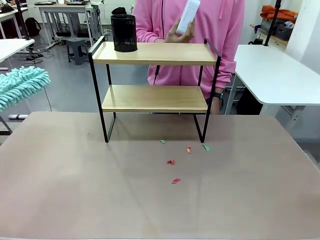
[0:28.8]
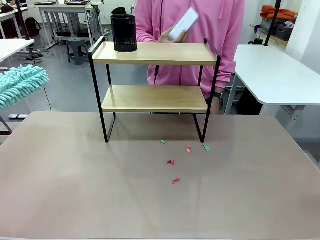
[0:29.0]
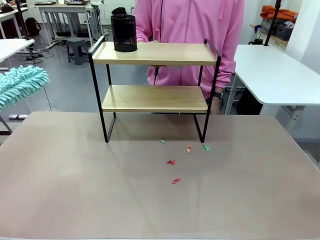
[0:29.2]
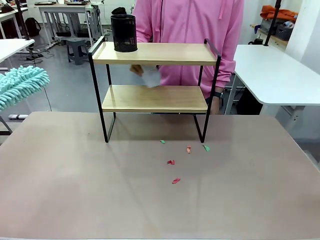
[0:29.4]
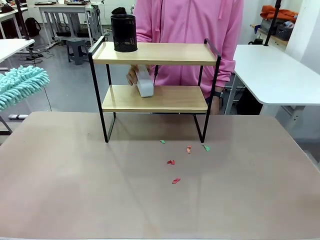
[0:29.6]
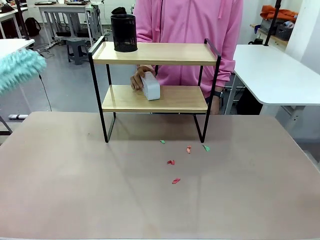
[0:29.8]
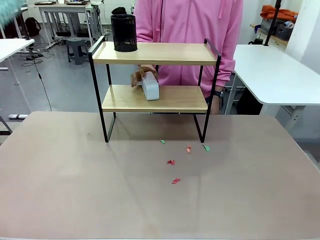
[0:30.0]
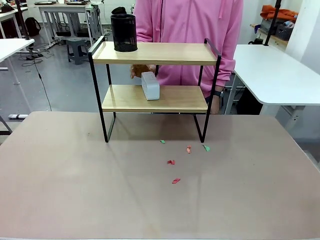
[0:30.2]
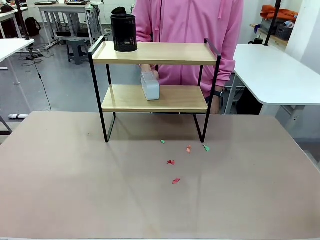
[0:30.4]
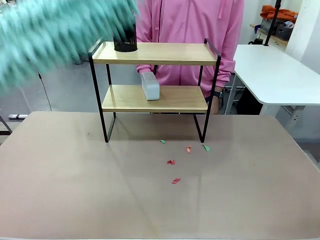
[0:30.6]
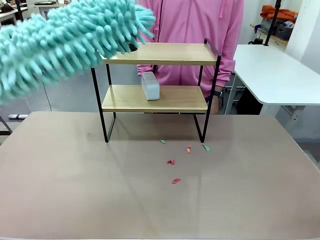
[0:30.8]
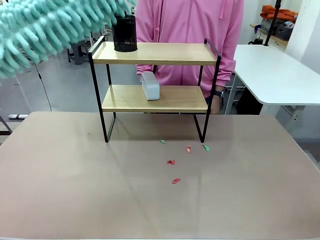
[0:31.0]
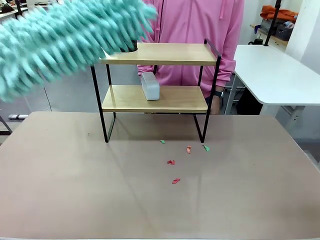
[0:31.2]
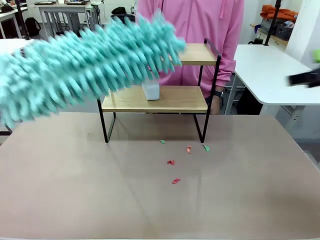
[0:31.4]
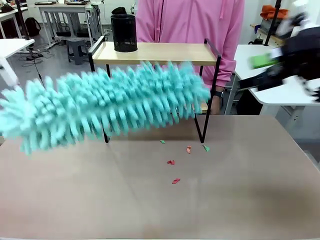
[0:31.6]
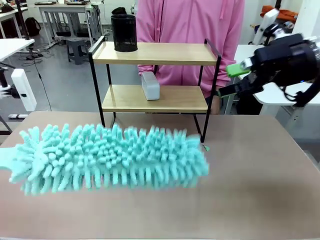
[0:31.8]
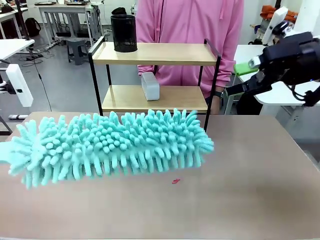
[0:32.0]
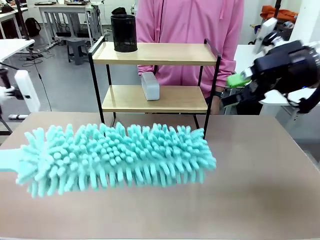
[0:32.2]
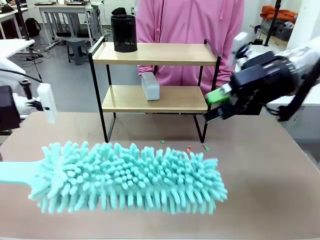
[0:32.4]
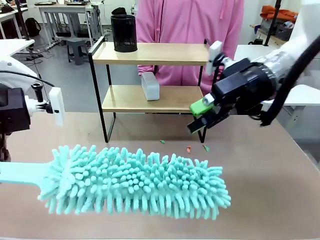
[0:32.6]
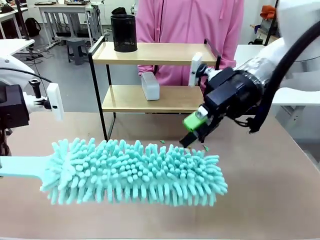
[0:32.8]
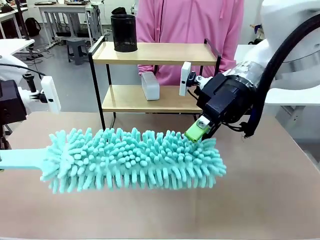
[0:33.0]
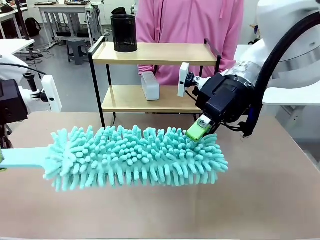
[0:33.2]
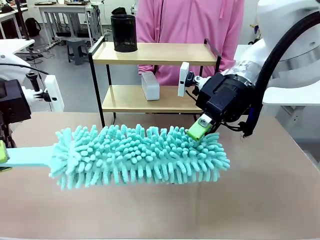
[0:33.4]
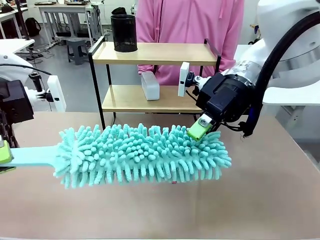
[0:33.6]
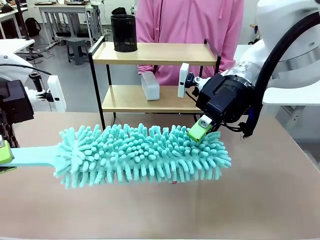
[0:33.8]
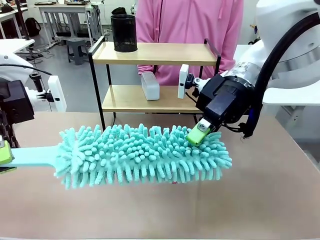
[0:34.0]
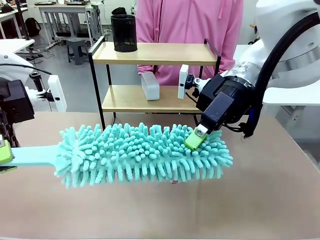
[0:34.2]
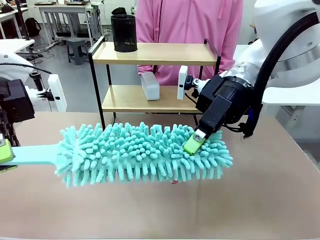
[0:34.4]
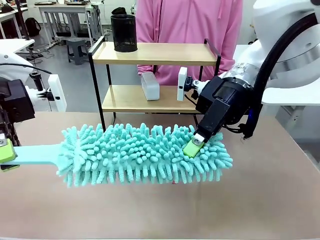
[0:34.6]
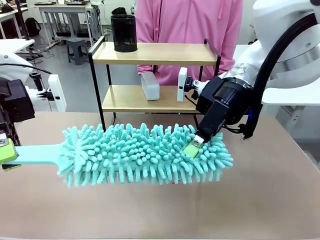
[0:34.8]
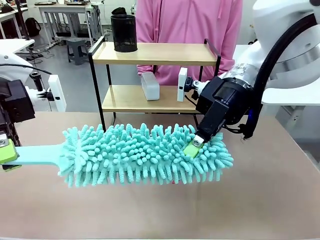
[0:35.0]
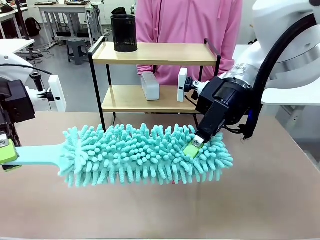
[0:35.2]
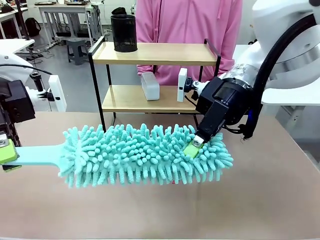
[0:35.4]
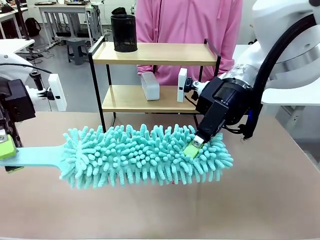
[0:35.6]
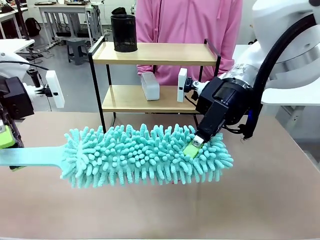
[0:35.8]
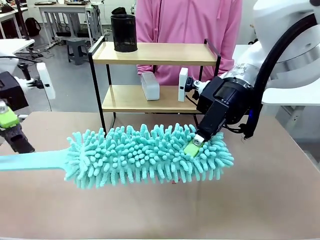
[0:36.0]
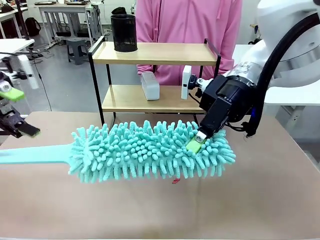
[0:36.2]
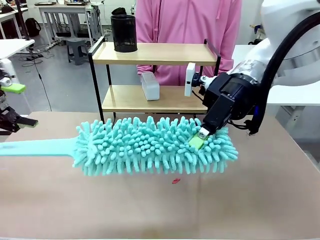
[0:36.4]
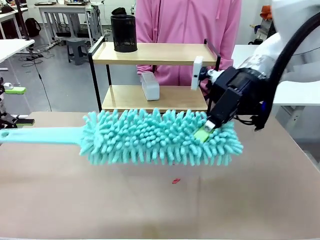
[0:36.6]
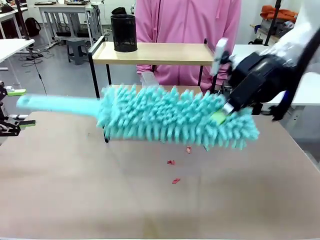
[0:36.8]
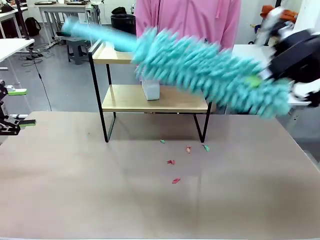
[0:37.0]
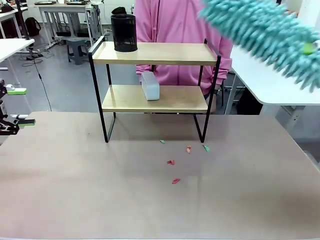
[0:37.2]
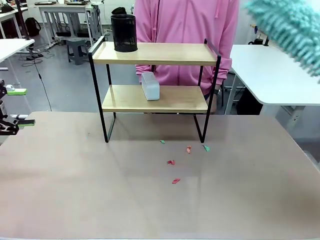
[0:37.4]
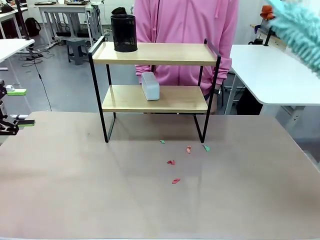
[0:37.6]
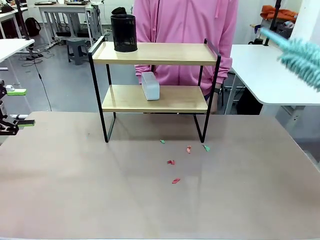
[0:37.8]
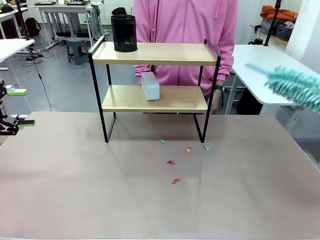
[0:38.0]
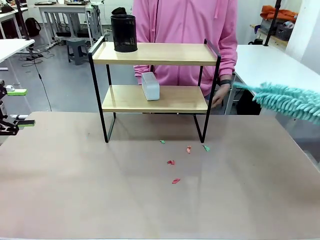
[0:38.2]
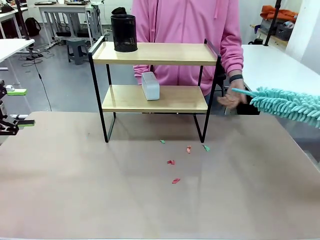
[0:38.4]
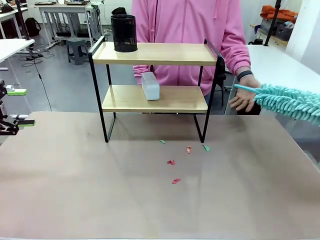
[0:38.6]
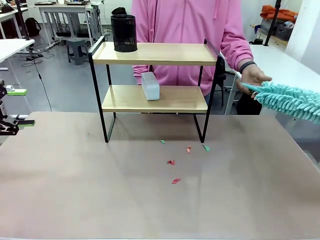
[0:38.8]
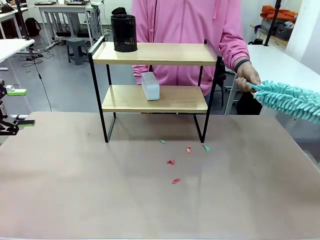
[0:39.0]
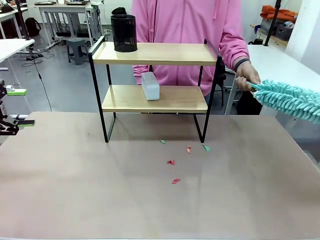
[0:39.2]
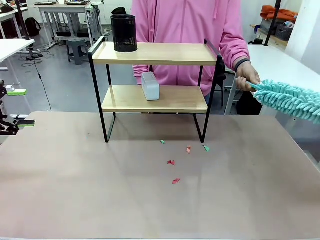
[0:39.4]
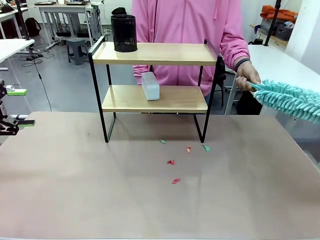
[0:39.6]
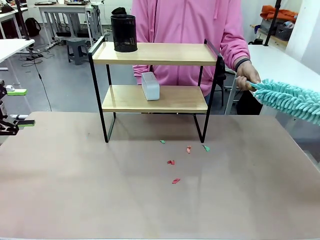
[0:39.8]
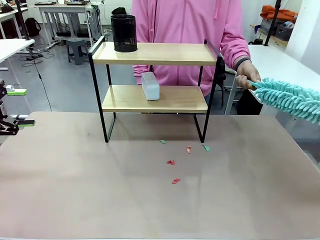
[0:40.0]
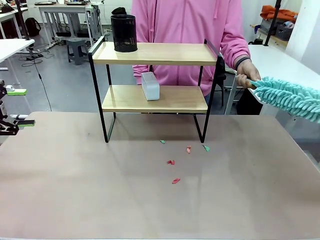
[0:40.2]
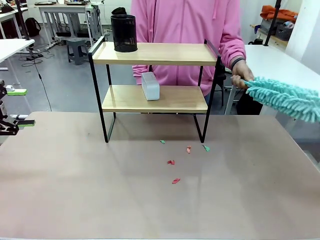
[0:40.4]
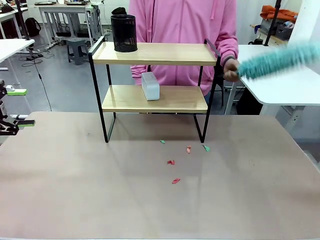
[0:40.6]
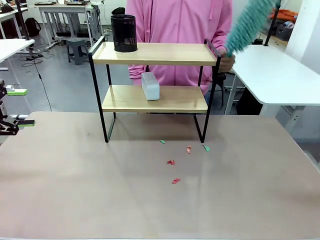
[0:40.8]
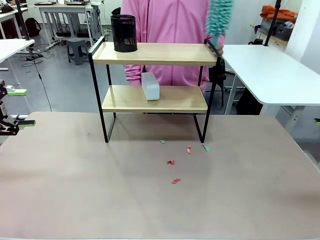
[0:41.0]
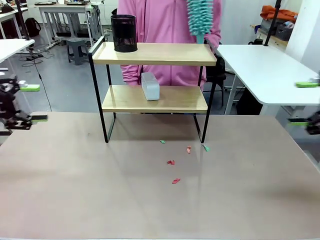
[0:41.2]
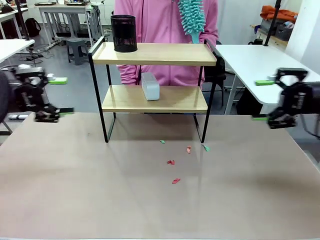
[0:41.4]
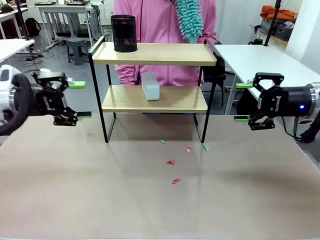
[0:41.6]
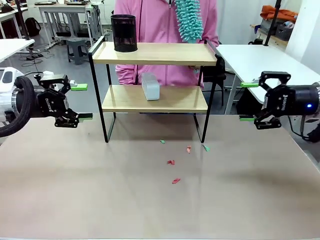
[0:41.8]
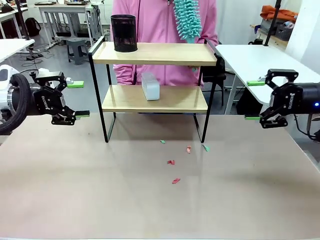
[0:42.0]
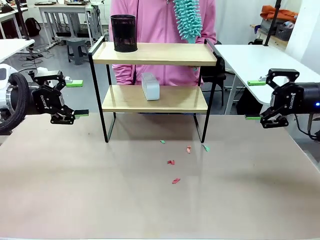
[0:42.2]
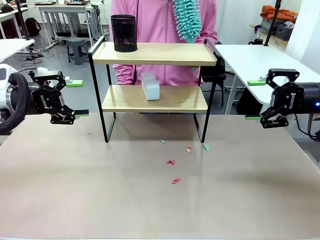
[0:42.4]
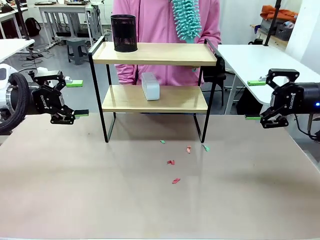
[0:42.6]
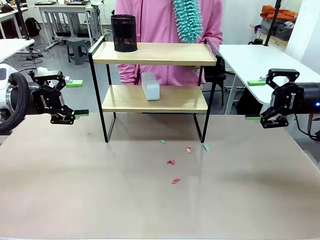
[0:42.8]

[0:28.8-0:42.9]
Task: Clean the shelf.
Robot: Hand the Duster back to the human.
Person: Receive the Duster from the robot.

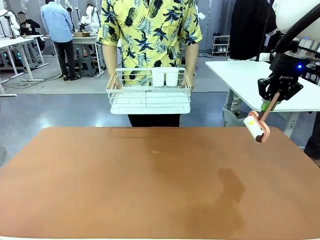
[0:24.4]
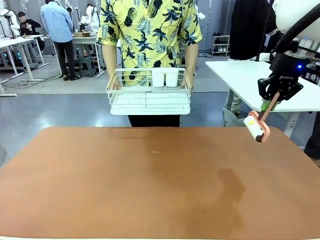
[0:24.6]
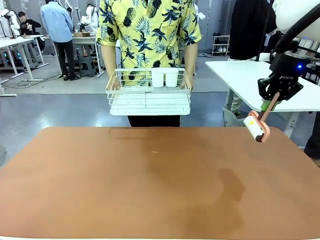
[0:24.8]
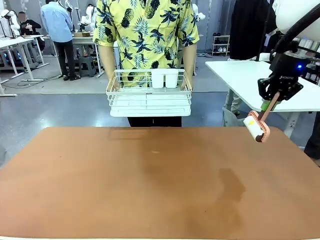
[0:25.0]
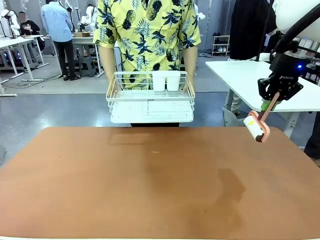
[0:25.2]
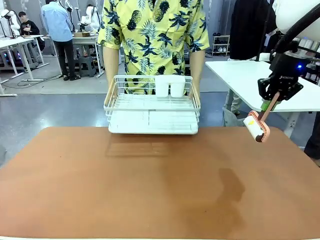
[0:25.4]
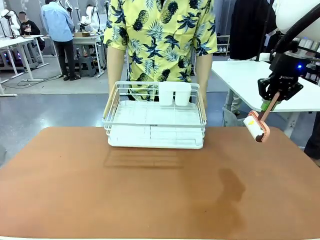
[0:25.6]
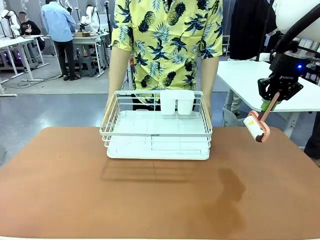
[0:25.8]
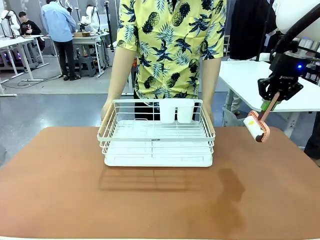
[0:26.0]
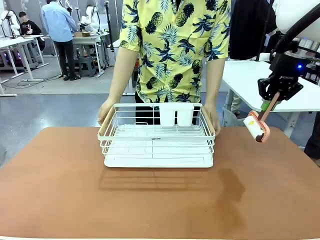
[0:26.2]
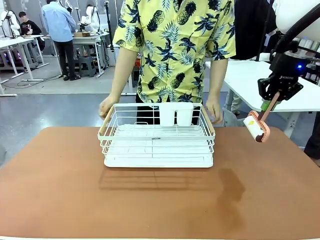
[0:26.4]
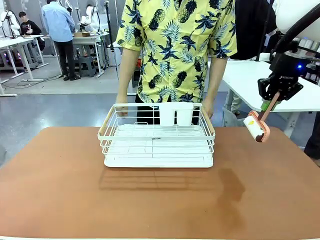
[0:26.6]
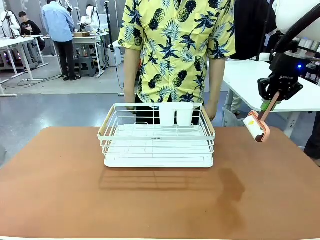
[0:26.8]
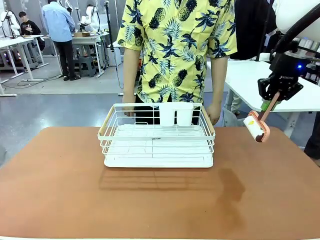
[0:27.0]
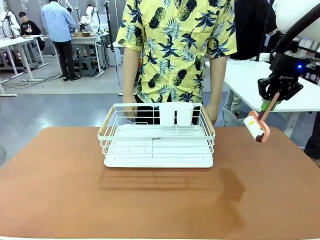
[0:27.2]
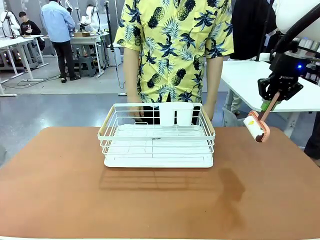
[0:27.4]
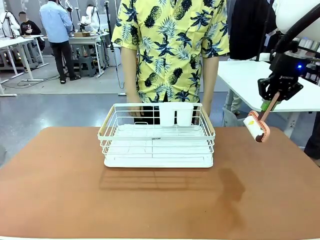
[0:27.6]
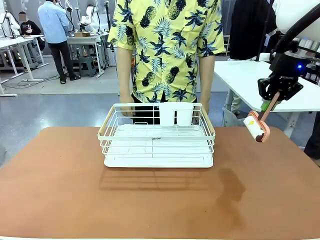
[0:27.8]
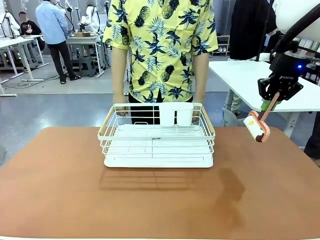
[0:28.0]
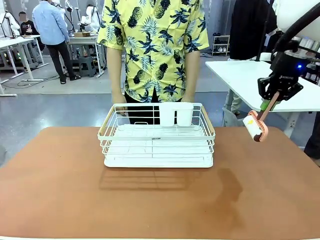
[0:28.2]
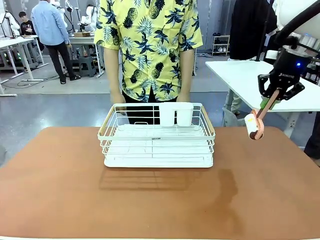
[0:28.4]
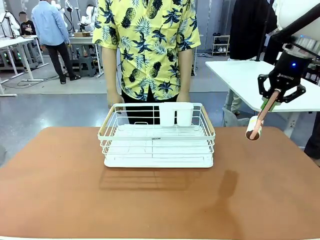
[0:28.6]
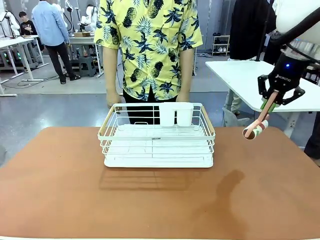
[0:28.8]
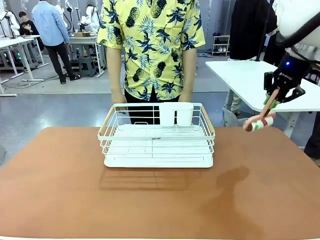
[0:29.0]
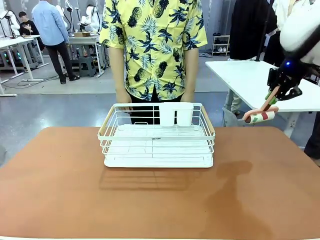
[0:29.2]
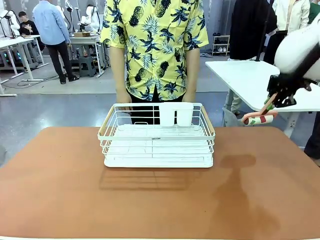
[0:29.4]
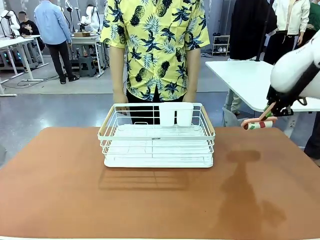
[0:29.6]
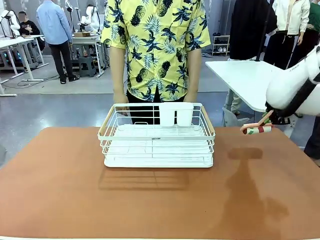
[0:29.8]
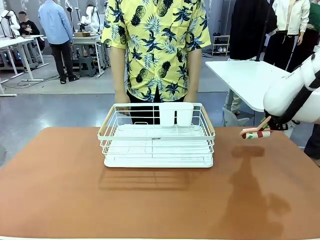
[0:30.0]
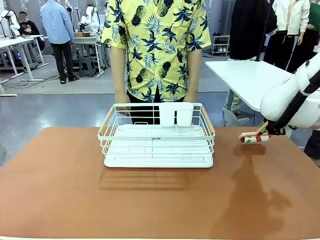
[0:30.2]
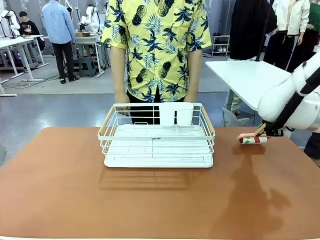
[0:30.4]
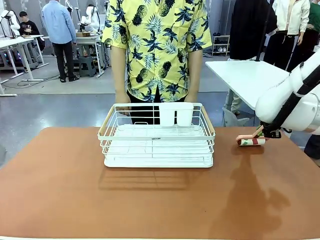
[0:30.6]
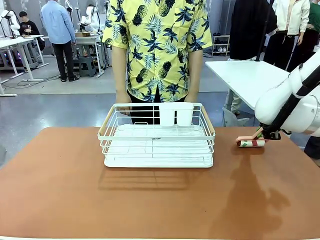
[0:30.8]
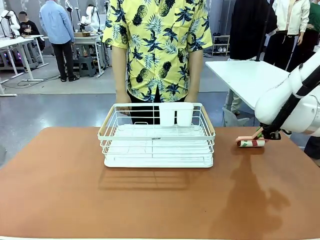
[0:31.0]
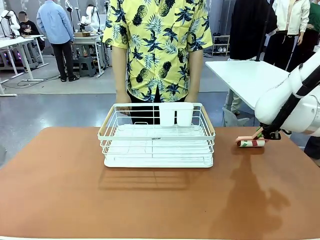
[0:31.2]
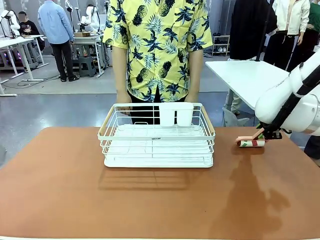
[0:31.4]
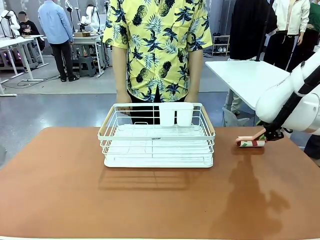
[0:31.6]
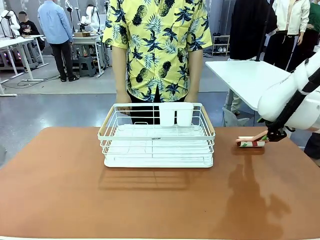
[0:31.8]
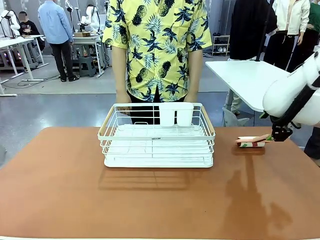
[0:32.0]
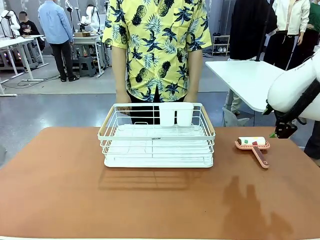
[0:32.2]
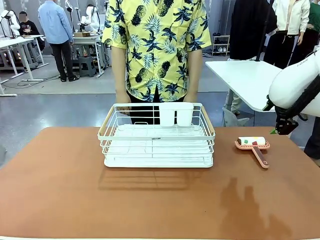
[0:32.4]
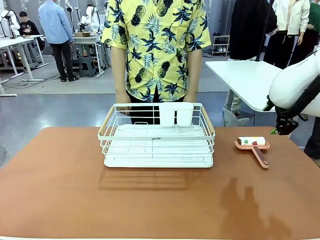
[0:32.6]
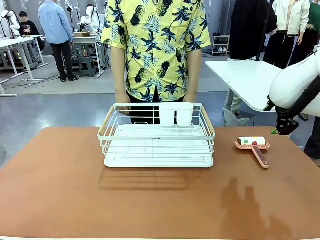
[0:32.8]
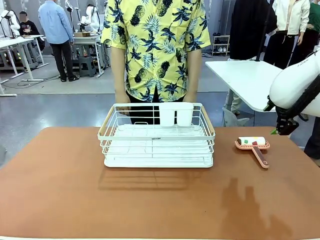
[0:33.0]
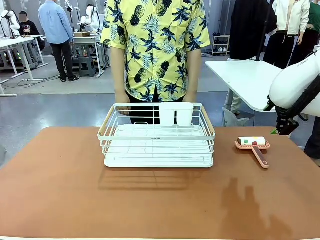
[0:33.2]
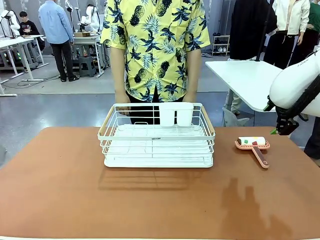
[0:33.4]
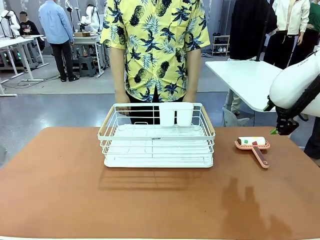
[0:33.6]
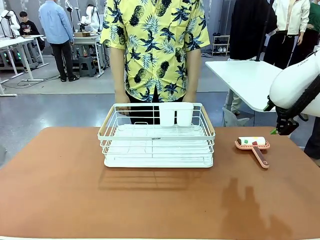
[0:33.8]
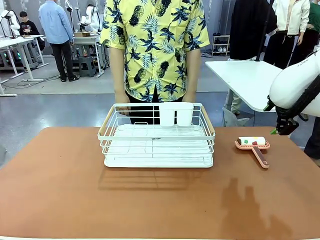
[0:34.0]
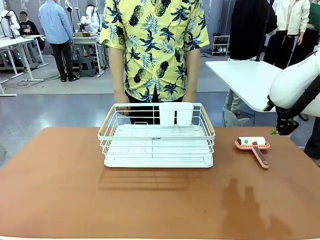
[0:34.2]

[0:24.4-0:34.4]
Task: Clean the table.
Robot: Place the Lint Roller down when the Dish drying rack is positioned in the middle of the table.
